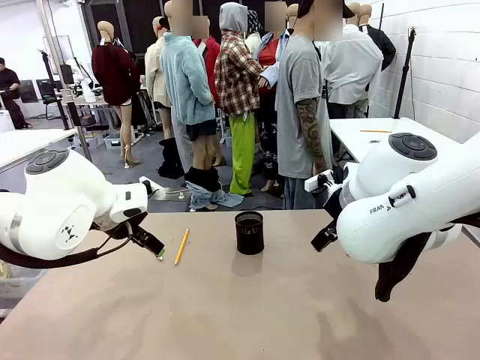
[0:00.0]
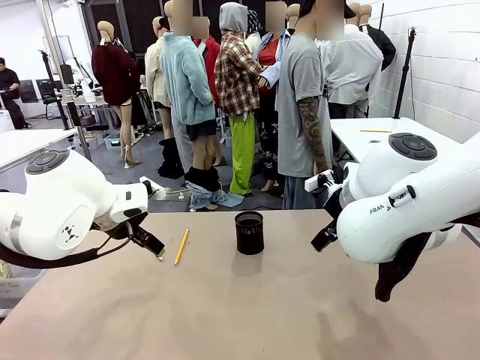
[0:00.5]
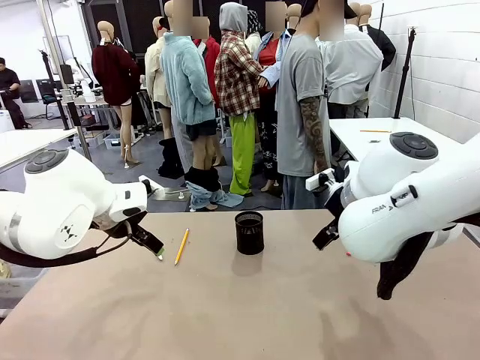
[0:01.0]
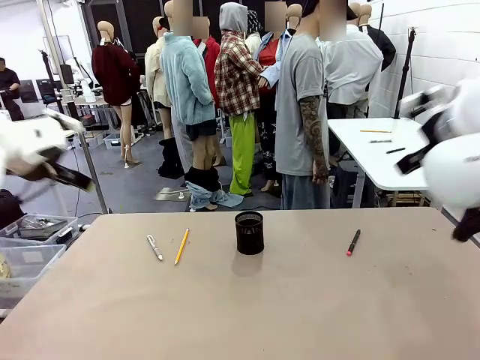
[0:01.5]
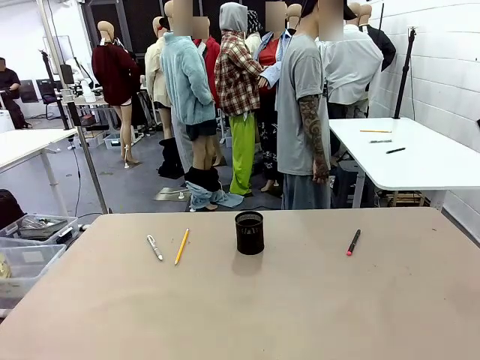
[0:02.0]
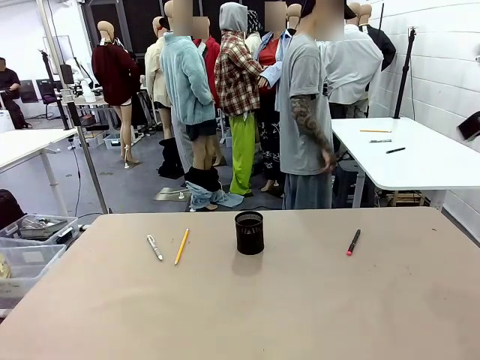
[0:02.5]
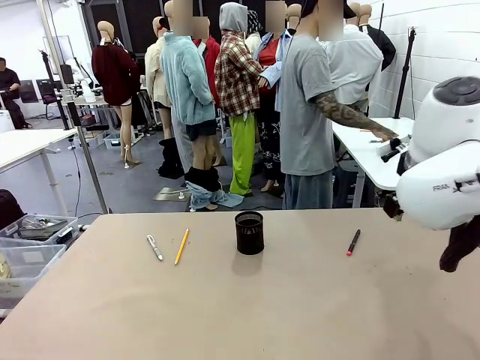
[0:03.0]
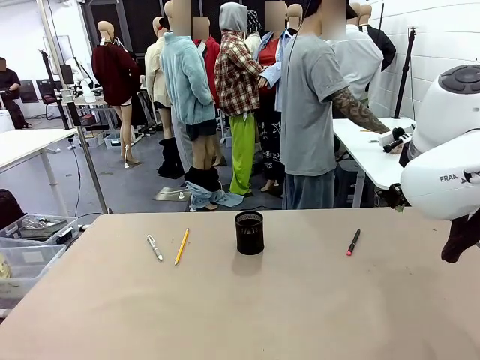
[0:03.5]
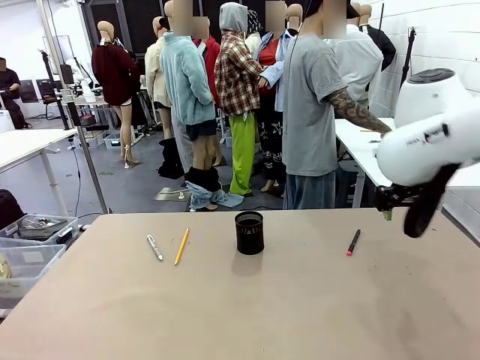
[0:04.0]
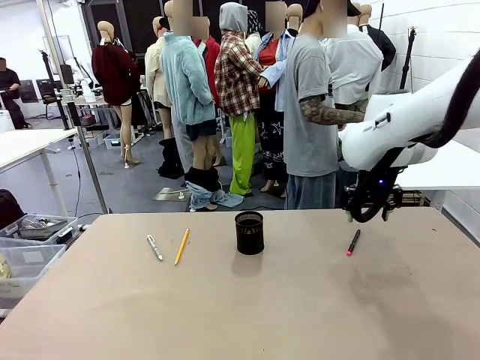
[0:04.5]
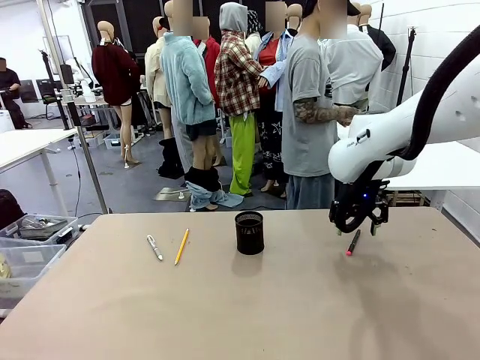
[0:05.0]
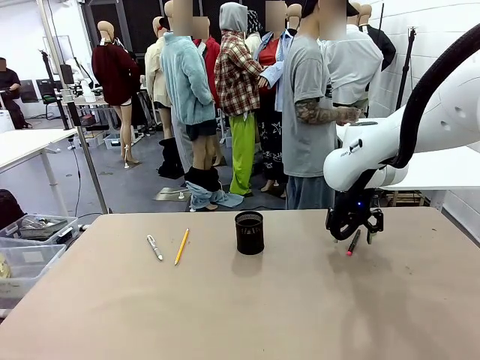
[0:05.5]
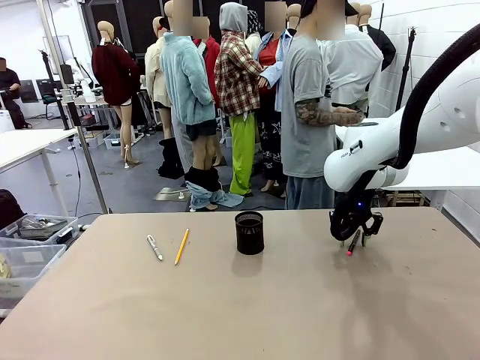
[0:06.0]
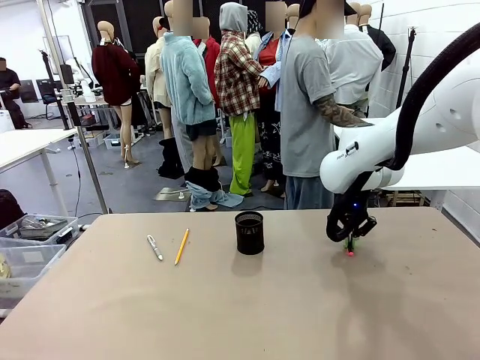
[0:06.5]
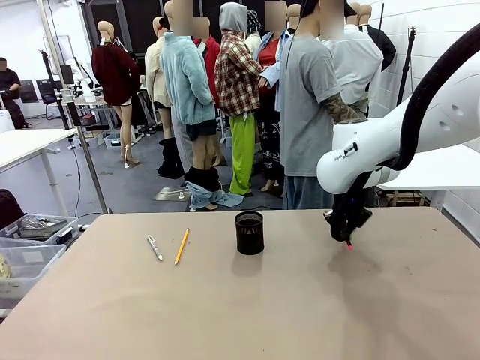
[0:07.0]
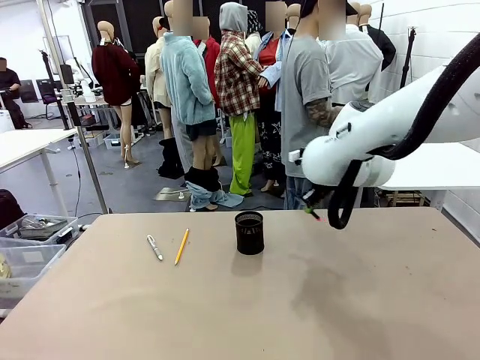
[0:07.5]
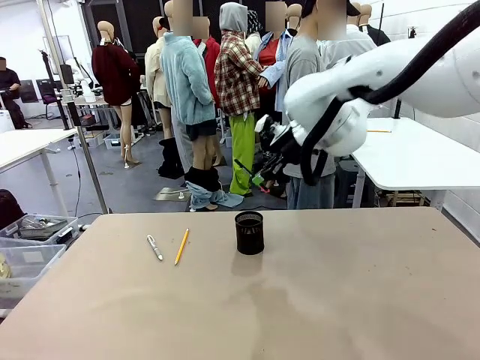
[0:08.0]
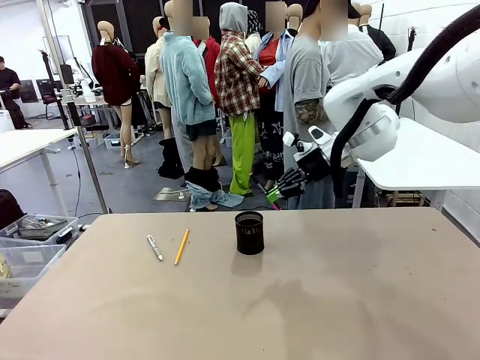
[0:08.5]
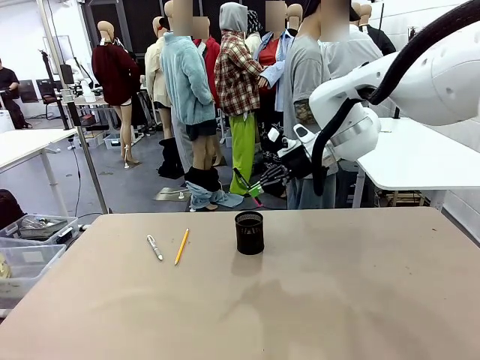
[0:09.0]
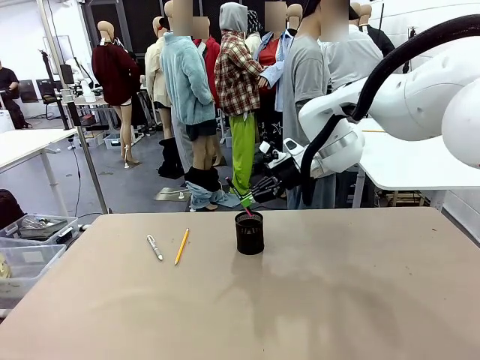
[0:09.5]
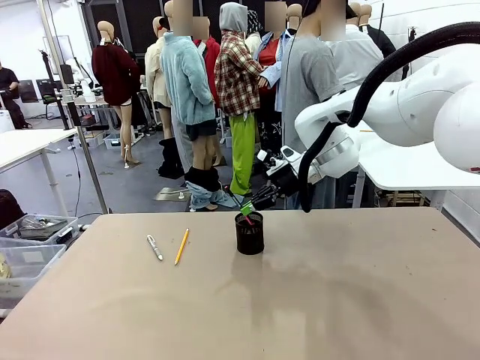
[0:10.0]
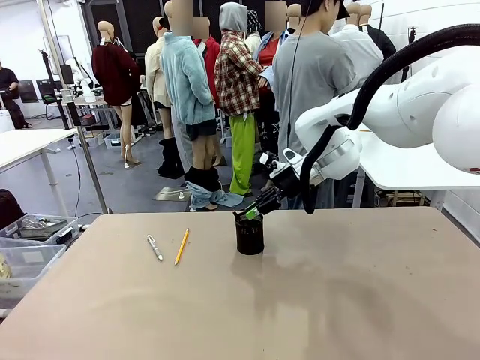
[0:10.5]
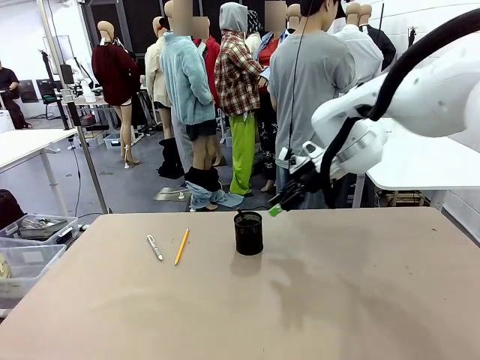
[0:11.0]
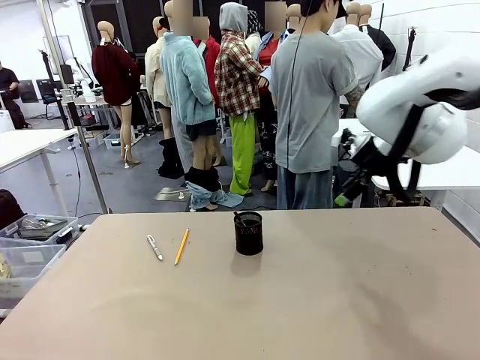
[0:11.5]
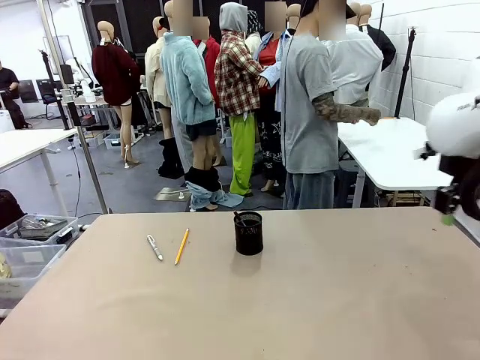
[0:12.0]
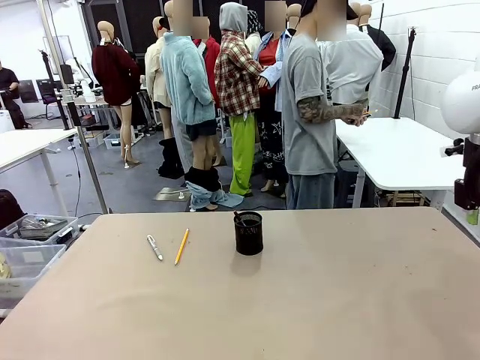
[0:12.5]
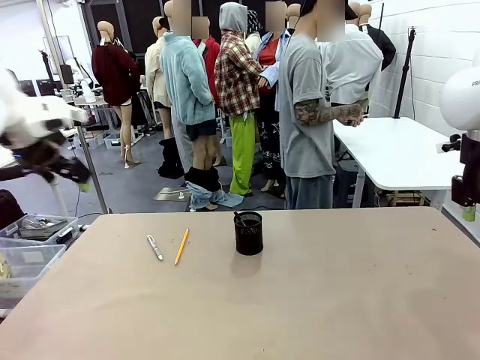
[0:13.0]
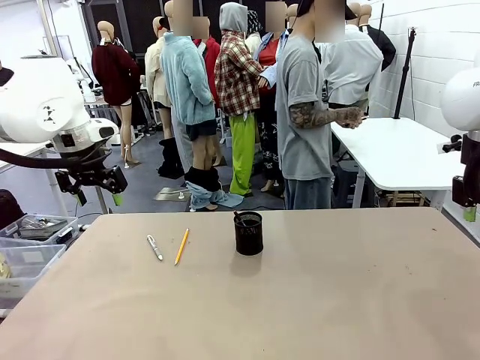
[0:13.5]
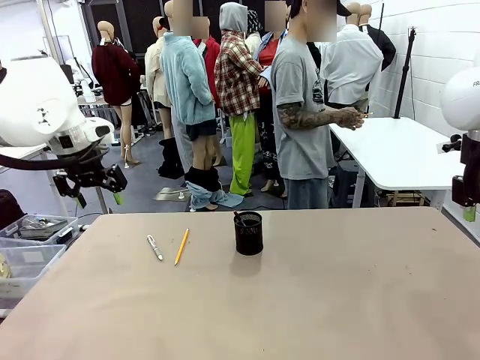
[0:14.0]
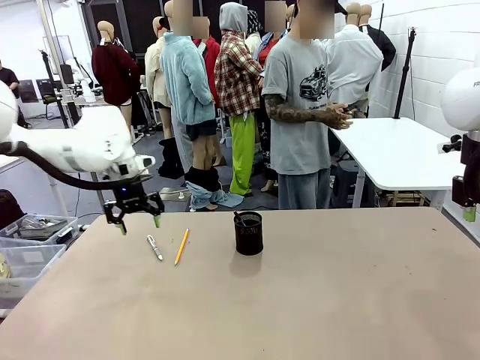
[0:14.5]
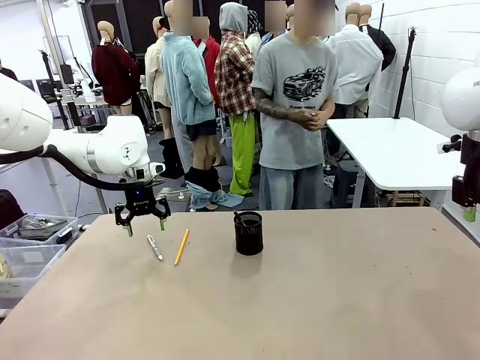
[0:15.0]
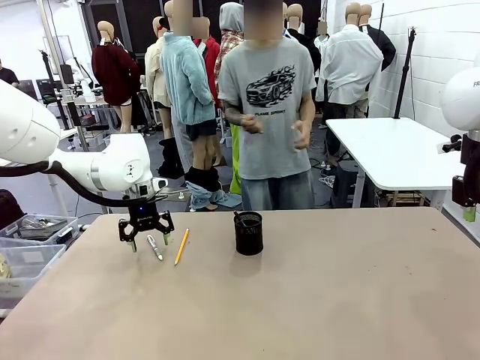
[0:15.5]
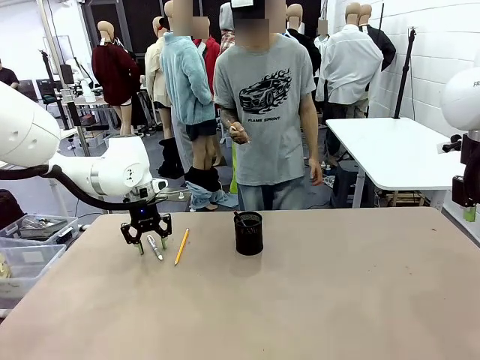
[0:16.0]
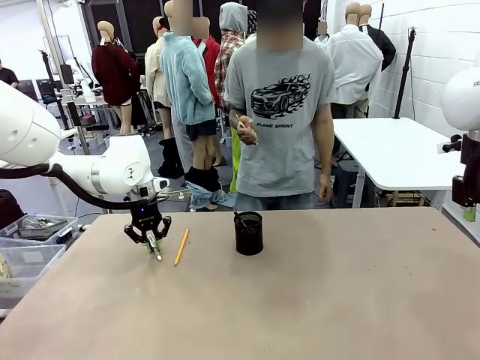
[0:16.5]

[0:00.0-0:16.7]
Task: Place the pens into the pen holder.
Robot: Pick up a writing instrument from the table and place it into the Pen holder.
Person: Pick up all writing instruments from the Human table.

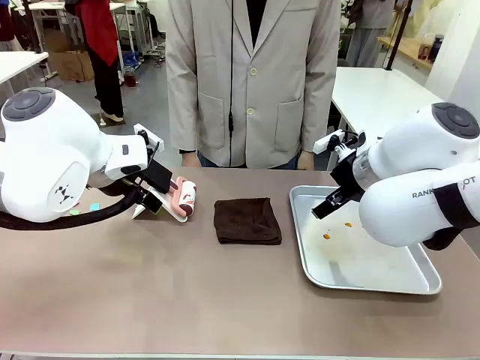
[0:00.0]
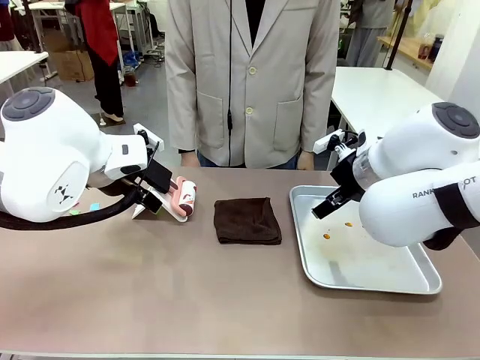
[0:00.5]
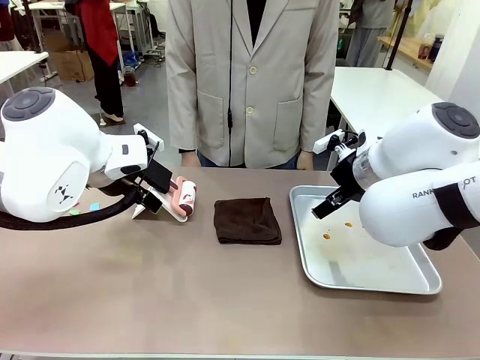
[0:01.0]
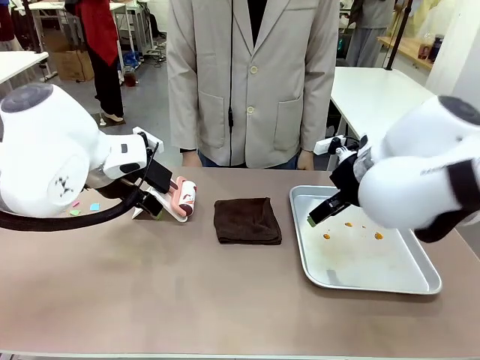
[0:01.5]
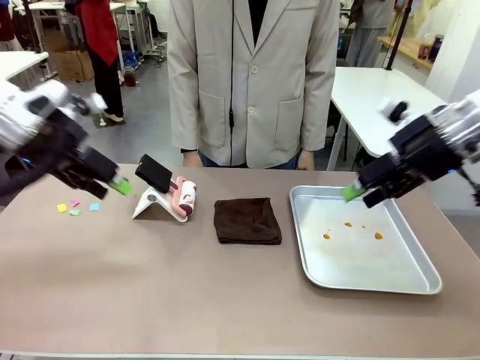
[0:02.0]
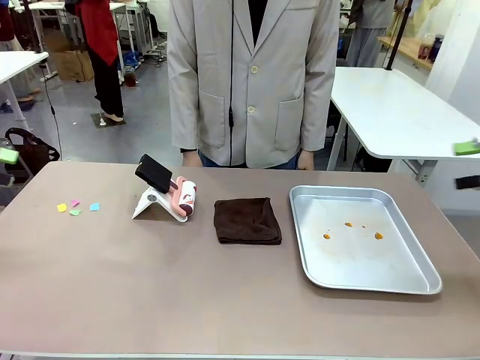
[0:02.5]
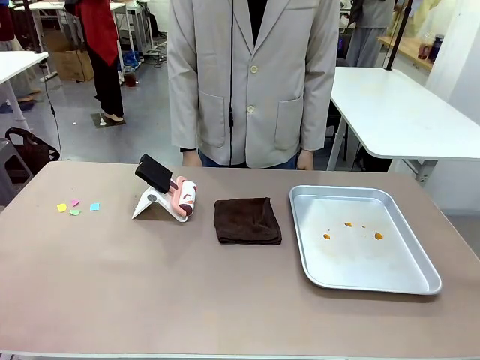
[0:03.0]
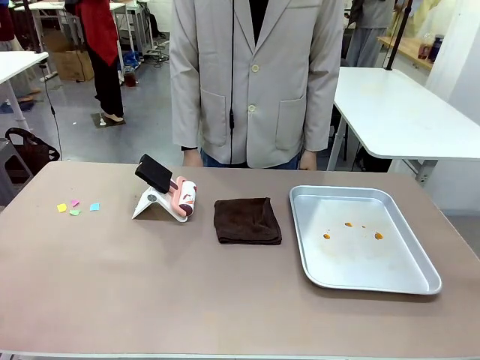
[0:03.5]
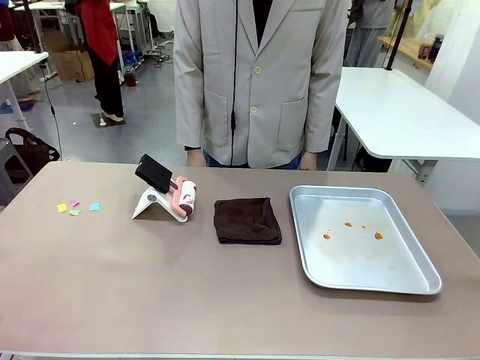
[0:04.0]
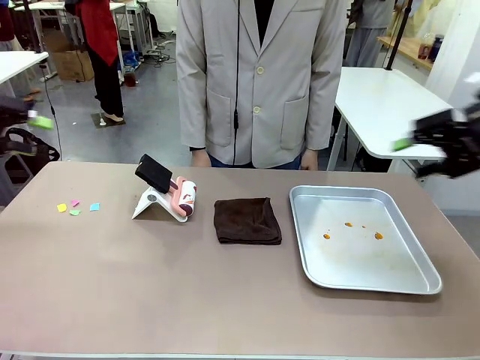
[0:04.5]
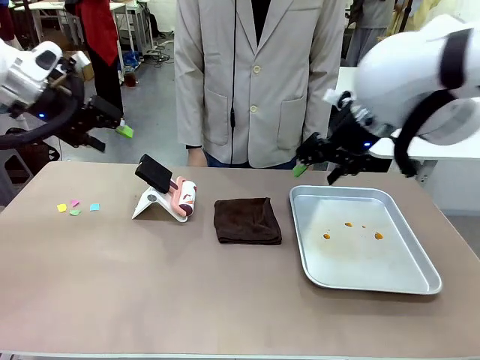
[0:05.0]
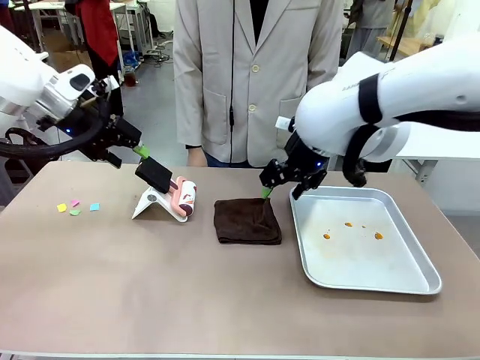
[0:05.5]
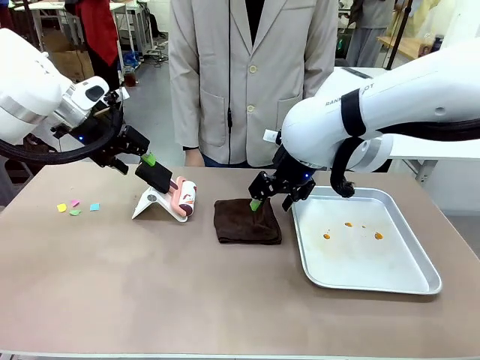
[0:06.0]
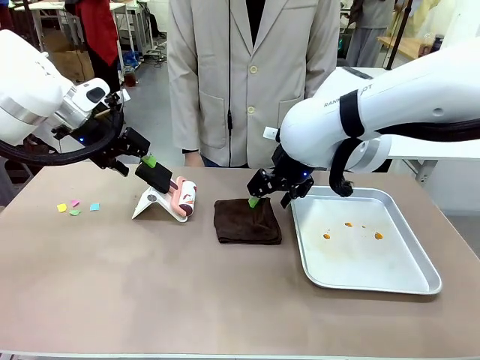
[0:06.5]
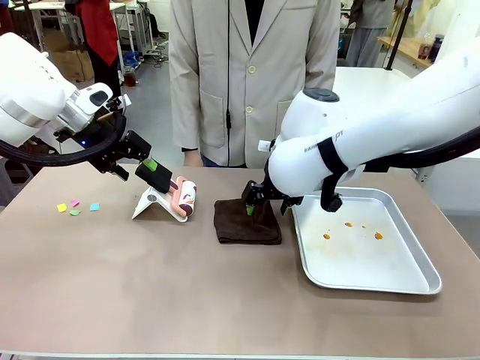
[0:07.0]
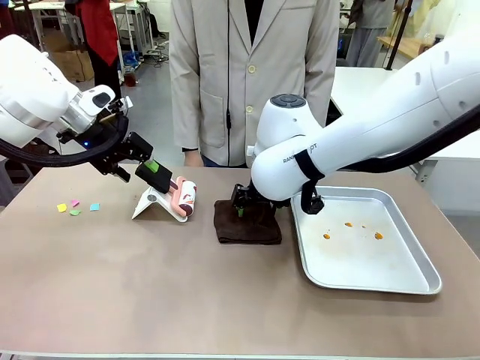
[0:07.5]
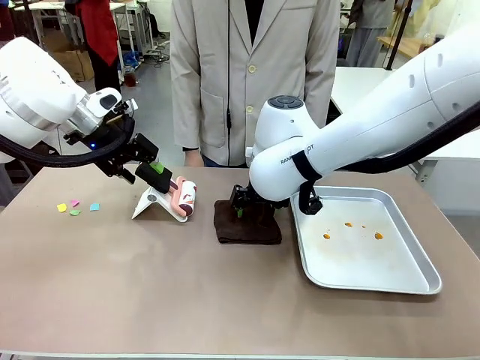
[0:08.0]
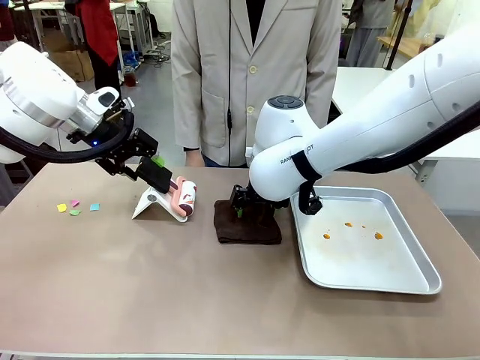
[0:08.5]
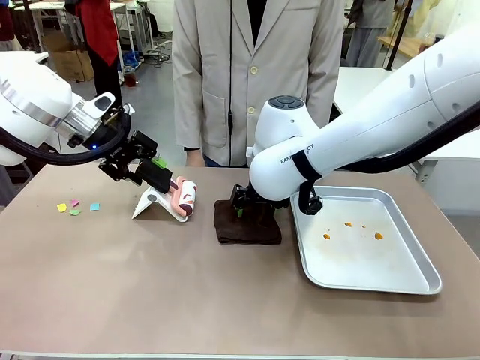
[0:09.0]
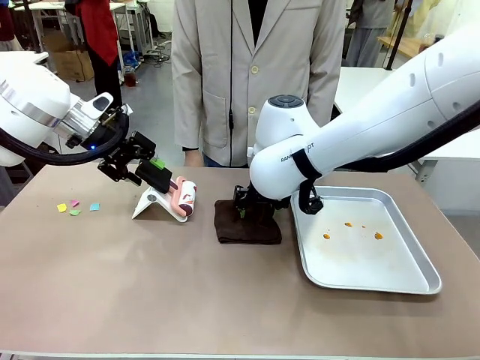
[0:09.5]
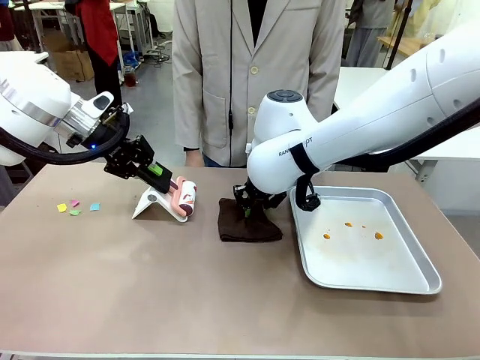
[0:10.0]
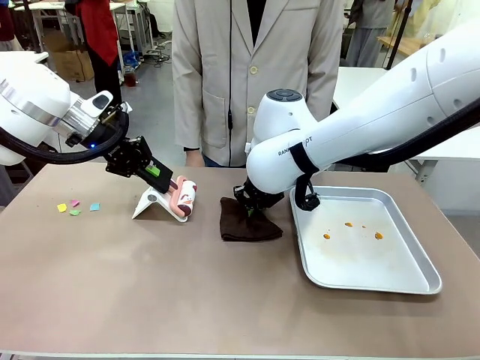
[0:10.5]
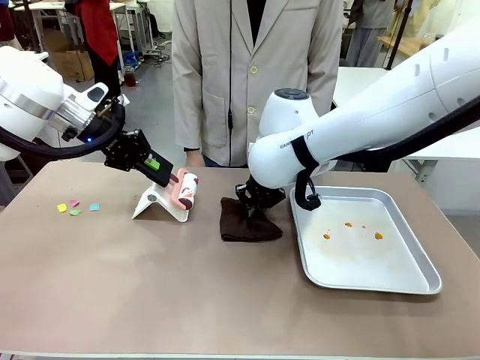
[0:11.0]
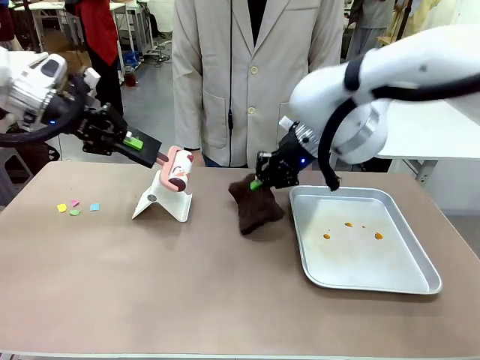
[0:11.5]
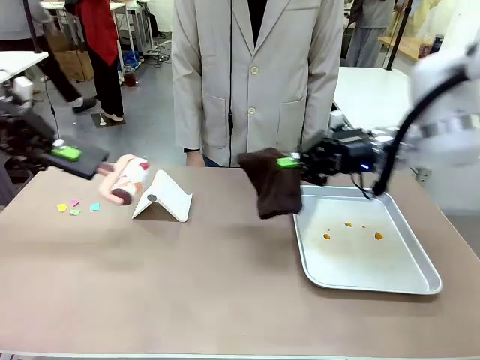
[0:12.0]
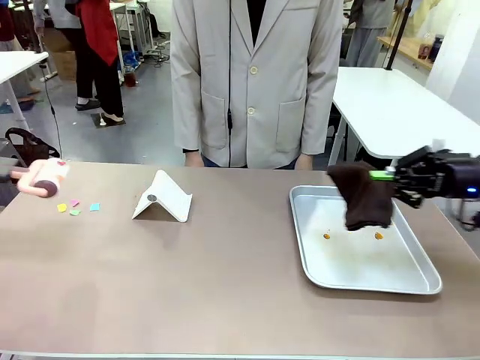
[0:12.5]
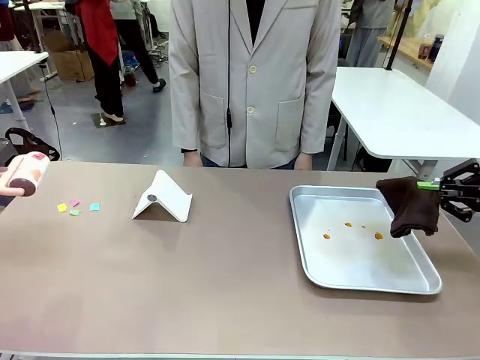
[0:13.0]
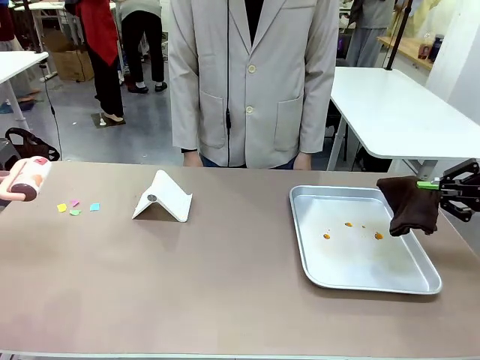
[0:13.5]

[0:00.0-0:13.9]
Task: Clean the surface of the table.
Robot: Hold the Lint Roller with your left hand and the towel with your right hand.
